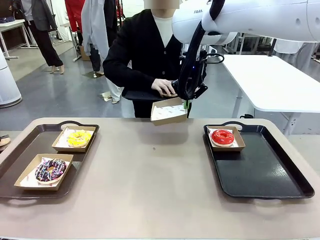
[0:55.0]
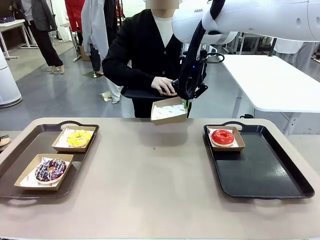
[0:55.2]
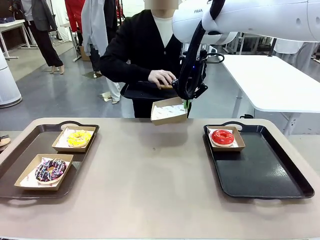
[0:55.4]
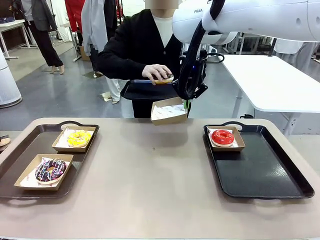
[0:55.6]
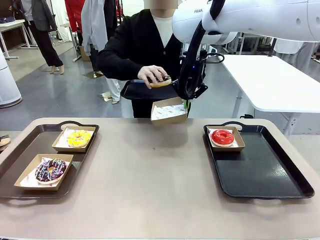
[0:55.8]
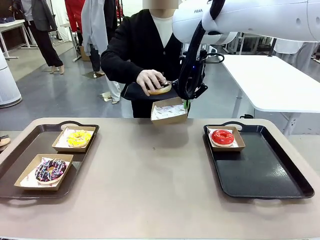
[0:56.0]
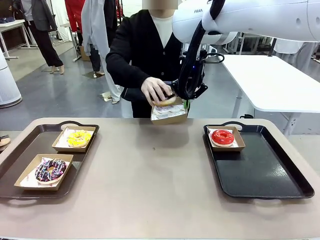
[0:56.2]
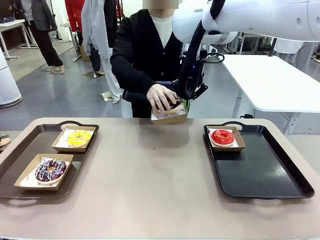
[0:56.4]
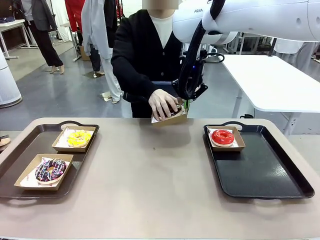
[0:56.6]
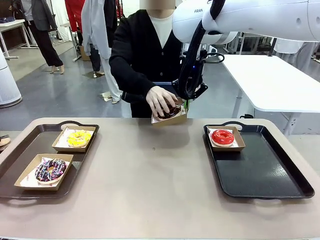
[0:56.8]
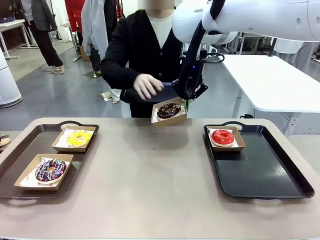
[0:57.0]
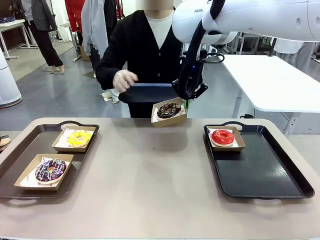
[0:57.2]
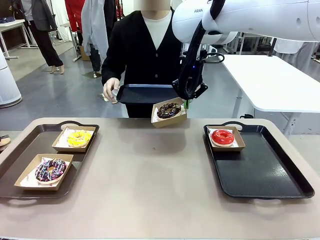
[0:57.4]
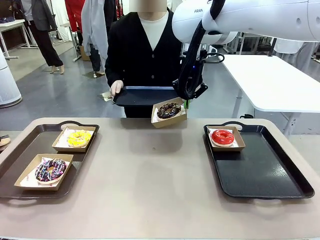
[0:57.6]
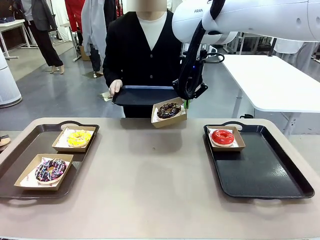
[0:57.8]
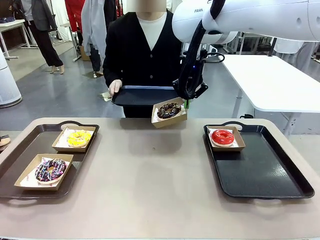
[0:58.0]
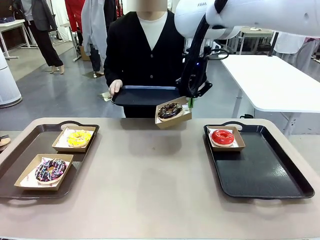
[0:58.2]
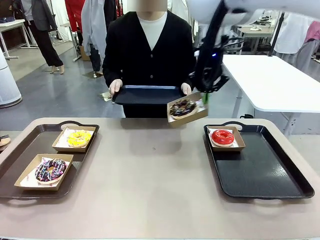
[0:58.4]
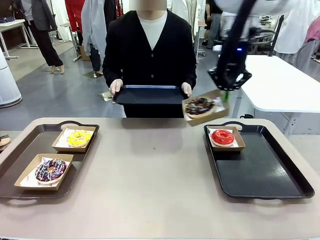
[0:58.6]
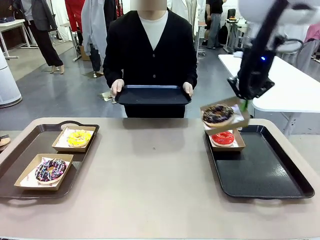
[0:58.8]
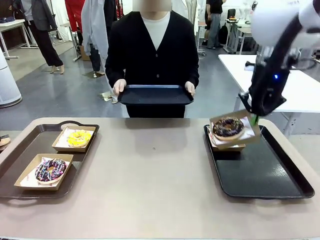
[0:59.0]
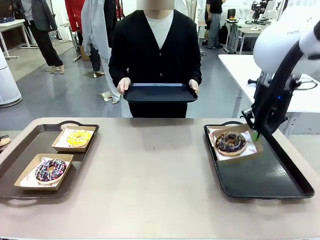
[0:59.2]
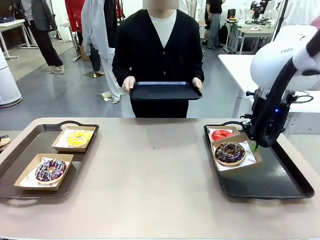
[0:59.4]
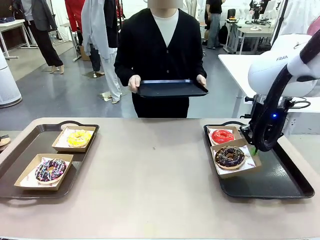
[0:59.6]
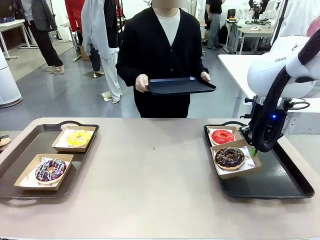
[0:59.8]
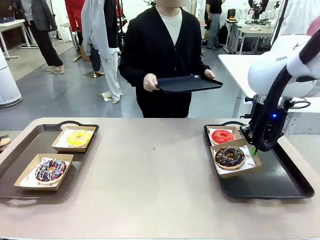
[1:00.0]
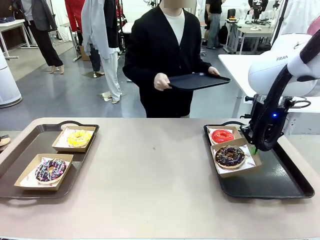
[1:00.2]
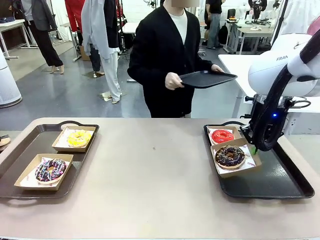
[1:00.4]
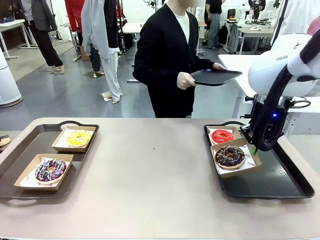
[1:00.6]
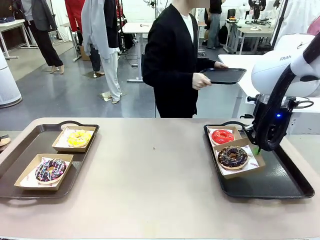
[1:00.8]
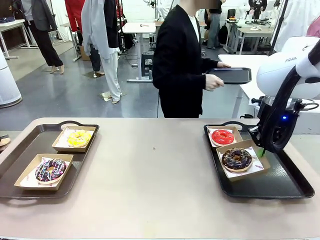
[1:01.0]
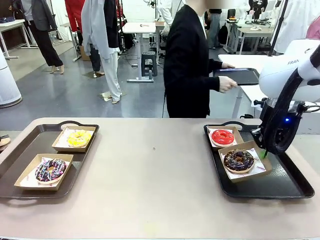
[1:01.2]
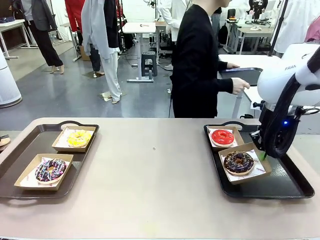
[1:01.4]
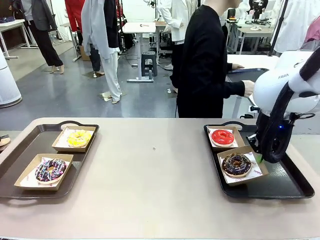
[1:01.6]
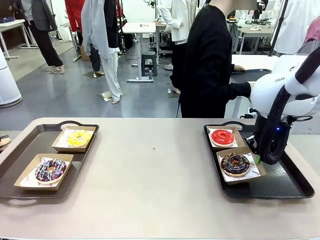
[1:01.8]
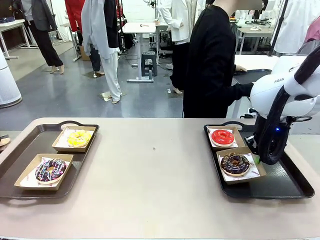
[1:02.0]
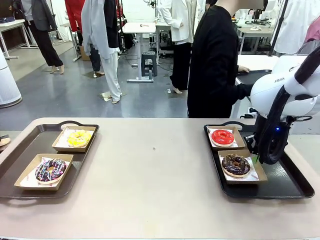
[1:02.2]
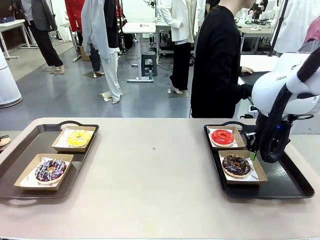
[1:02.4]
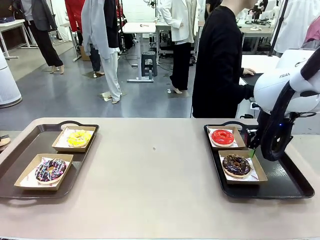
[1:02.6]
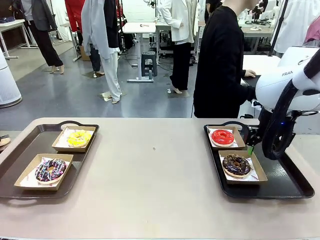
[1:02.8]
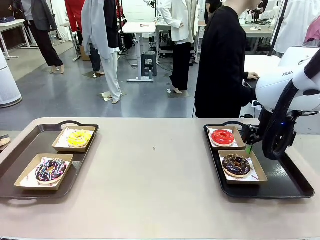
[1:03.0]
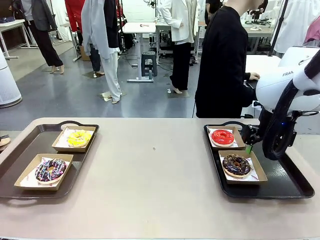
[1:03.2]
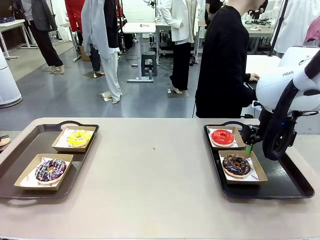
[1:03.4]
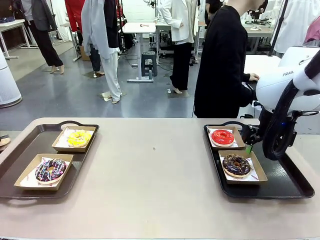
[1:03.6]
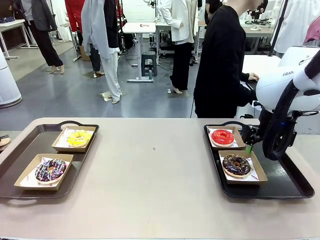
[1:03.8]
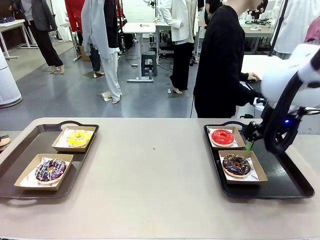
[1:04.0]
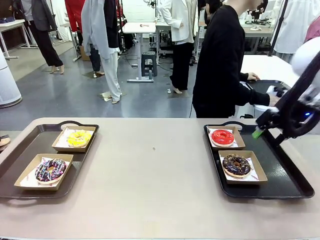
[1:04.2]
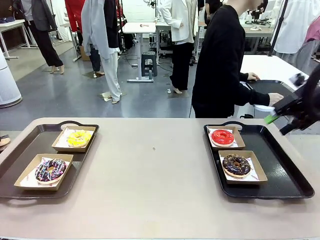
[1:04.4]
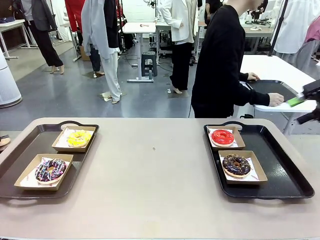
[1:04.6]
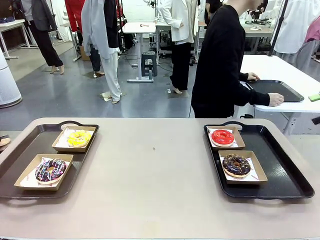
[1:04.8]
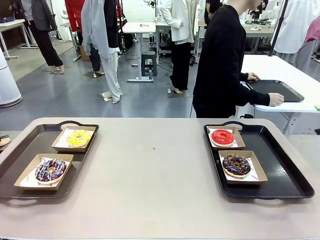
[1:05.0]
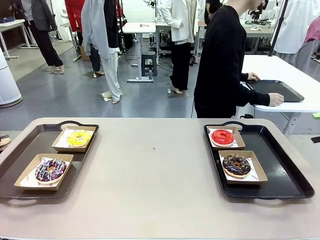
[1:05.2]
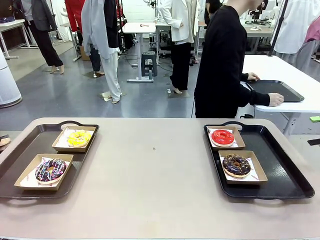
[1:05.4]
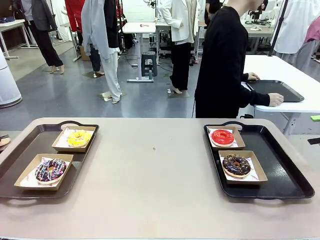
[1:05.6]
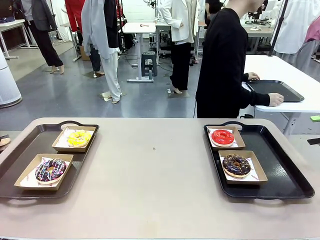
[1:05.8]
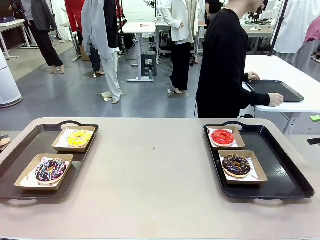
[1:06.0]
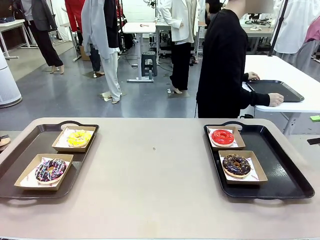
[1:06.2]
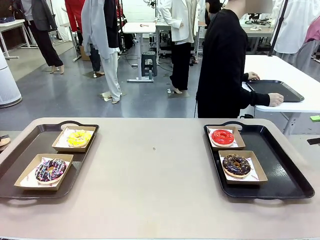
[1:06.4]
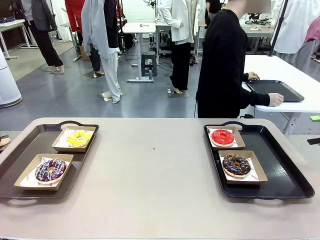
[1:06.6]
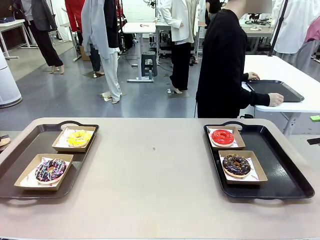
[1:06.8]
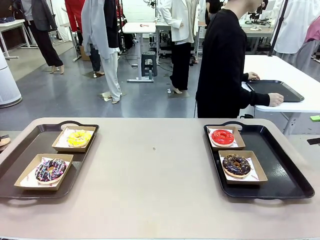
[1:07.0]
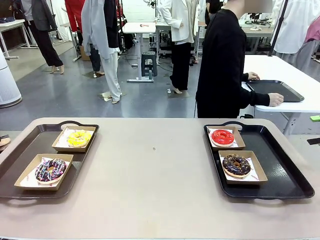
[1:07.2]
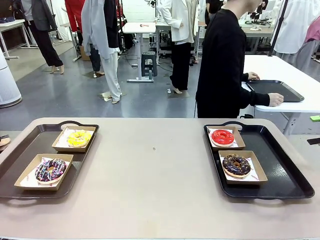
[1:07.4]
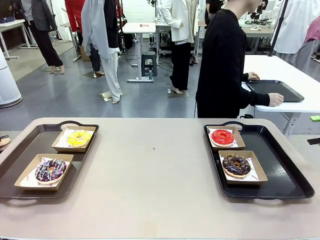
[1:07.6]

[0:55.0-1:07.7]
Task: Individually package the donuts and arrange them on the tray.
Robot: Place the picked Paper togo box on the Handle tray.
Person: Place the tray down in the middle of the human table.

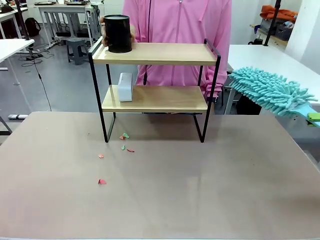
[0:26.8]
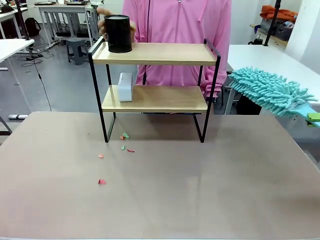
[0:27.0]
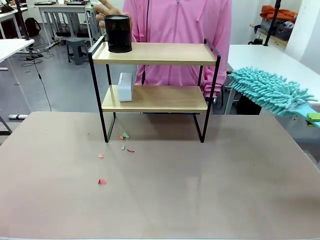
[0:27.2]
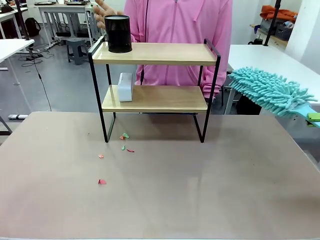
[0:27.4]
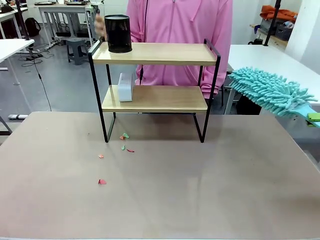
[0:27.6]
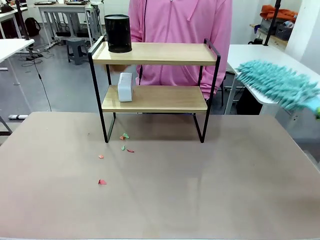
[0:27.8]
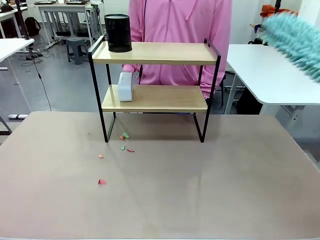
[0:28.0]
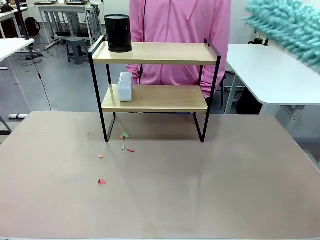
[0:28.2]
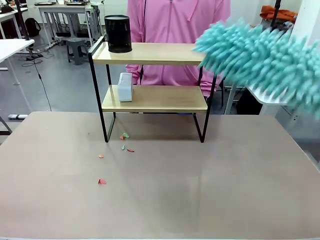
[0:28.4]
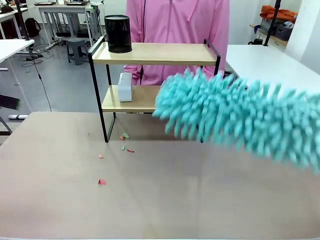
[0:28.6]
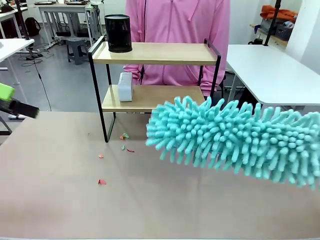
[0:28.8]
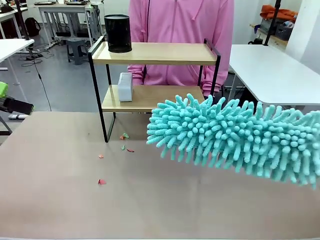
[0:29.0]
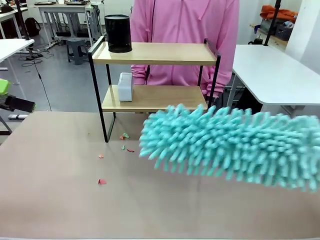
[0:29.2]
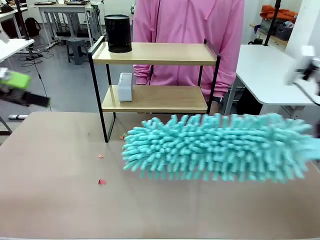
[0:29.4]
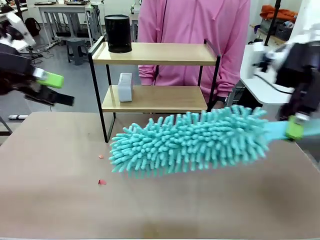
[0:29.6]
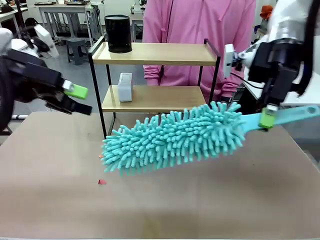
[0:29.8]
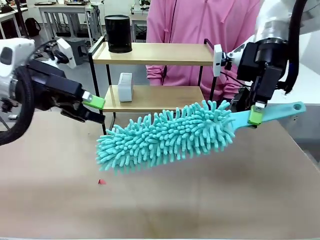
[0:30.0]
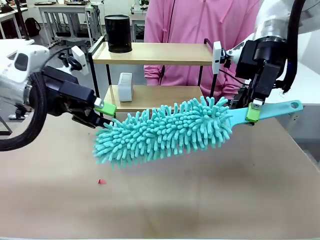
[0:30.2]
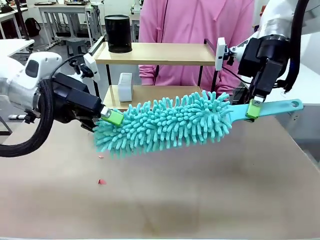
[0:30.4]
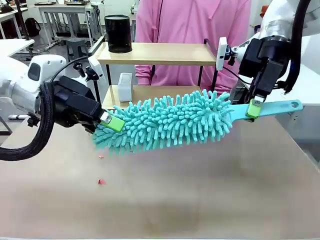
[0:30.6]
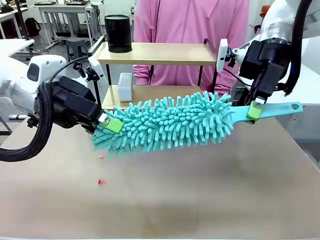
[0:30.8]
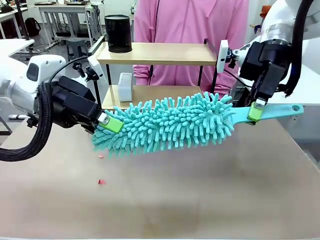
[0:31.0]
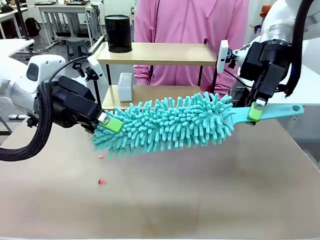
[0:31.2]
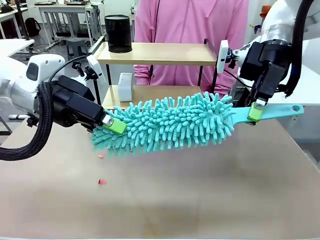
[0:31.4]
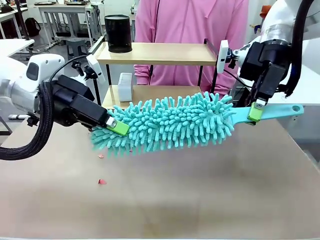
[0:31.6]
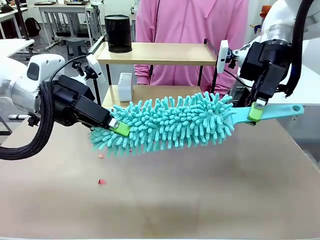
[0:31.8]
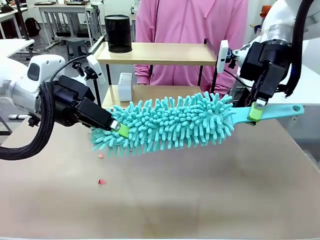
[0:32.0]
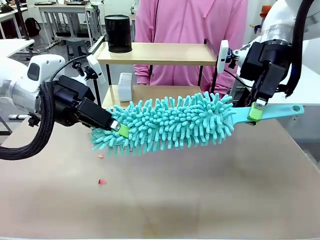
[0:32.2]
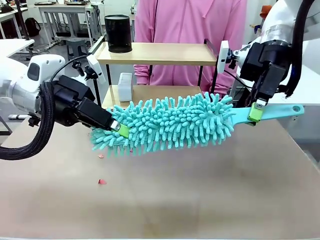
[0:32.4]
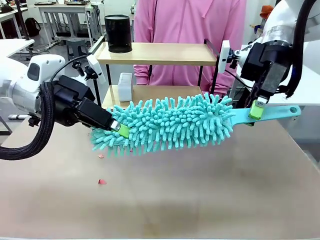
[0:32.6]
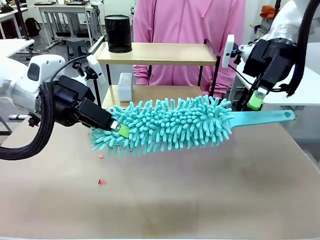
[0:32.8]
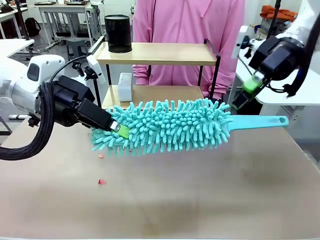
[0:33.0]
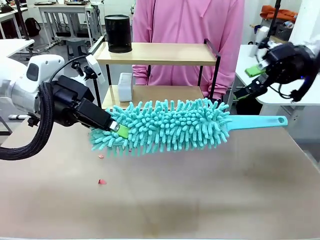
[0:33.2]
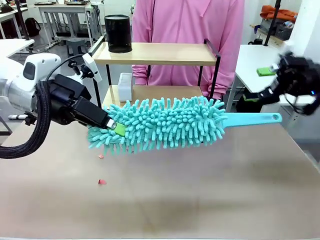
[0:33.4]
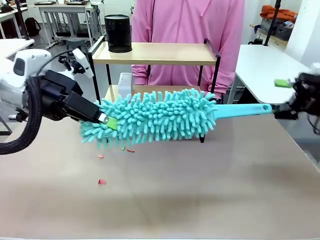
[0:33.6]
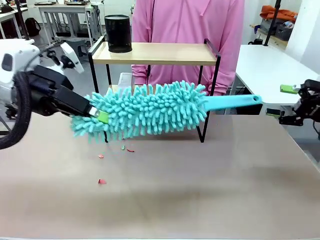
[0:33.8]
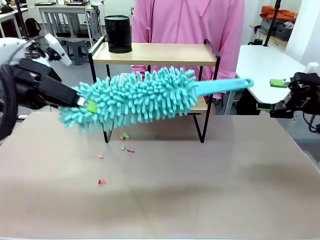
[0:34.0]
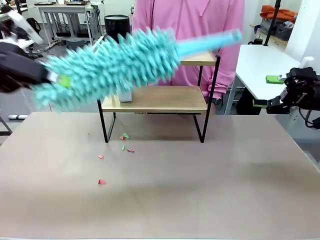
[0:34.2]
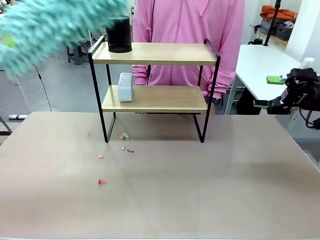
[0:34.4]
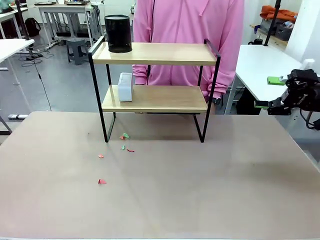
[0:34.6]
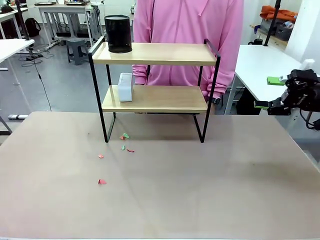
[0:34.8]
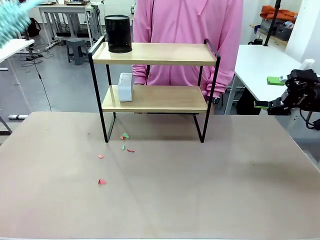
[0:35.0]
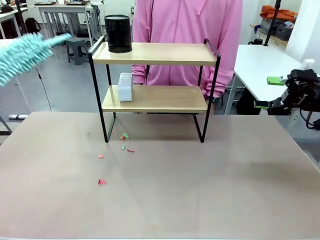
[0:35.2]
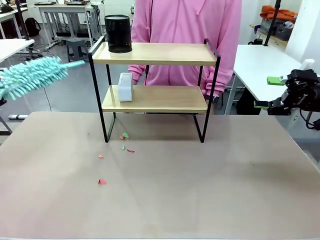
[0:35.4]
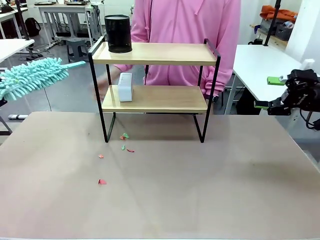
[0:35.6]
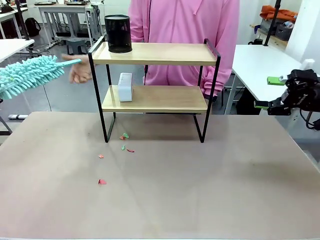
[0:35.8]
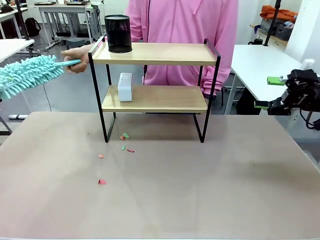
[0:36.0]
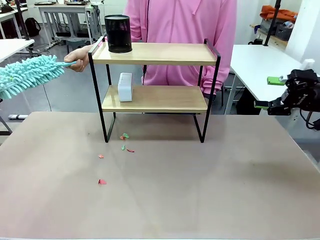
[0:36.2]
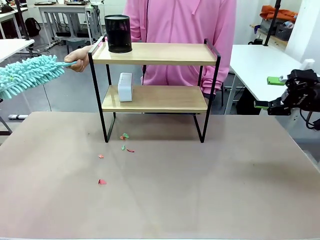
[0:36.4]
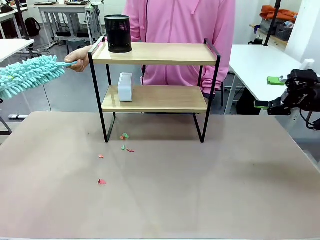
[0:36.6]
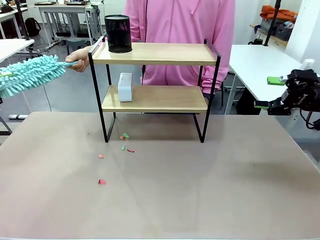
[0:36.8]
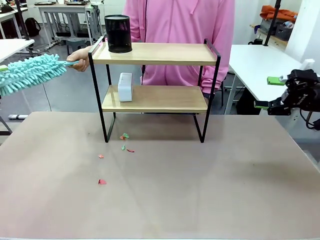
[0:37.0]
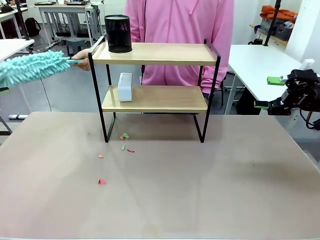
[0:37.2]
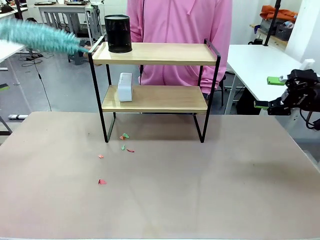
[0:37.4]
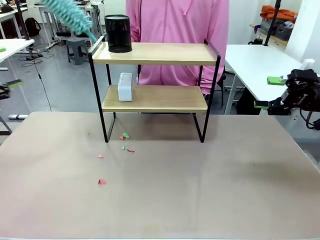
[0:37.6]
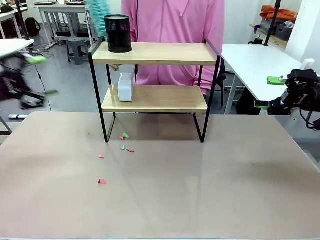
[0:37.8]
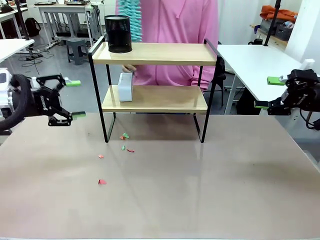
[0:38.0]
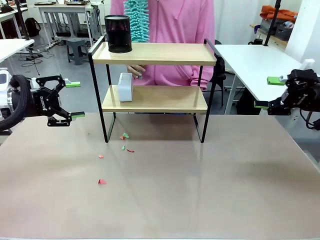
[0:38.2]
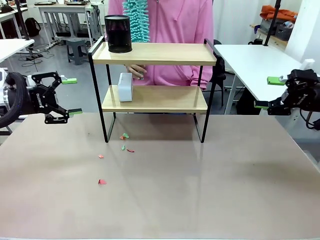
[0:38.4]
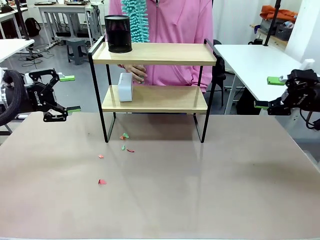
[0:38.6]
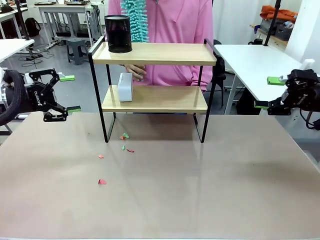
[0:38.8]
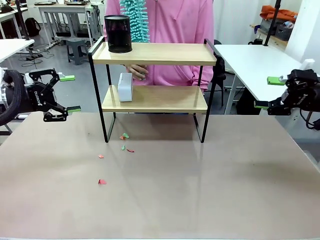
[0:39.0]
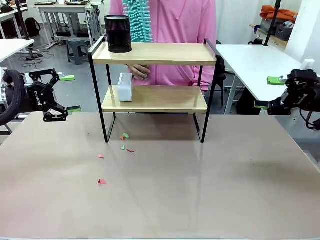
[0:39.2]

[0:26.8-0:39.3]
Task: Clean the shelf.
Robot: Hand the Duster back to the human.
Person: Receive the Duster from the robot.
